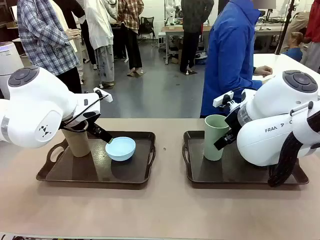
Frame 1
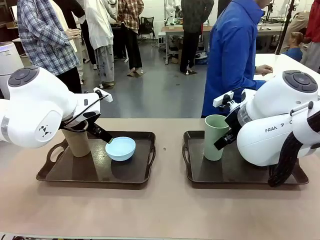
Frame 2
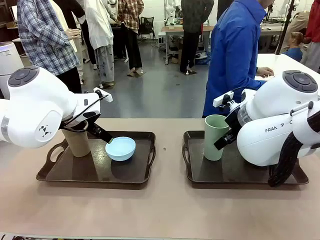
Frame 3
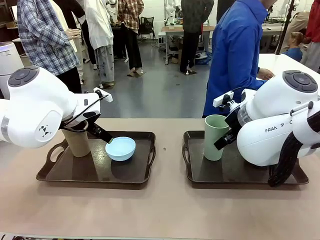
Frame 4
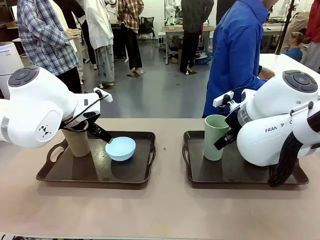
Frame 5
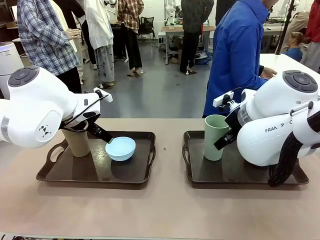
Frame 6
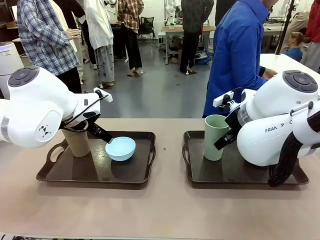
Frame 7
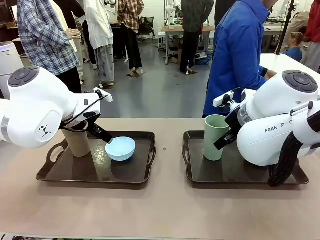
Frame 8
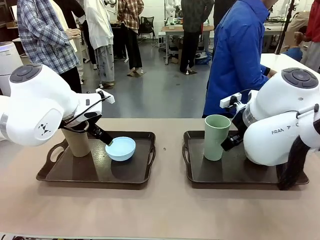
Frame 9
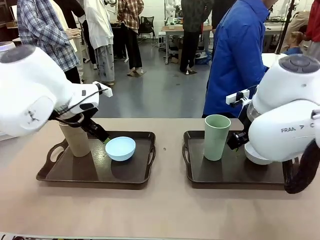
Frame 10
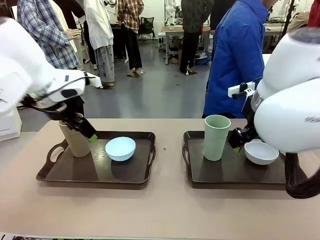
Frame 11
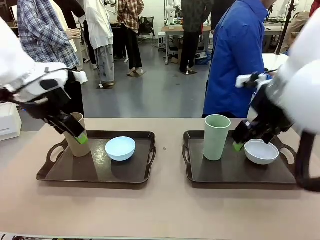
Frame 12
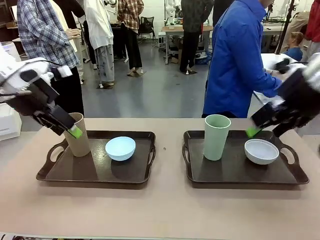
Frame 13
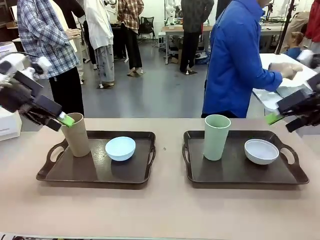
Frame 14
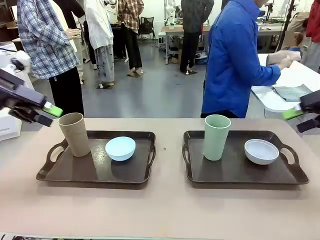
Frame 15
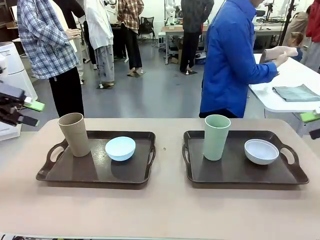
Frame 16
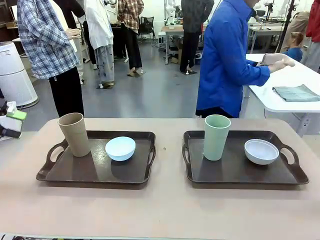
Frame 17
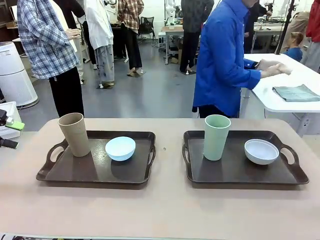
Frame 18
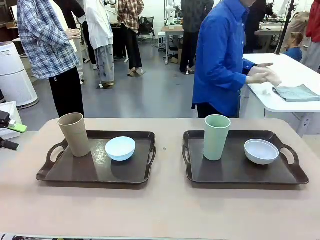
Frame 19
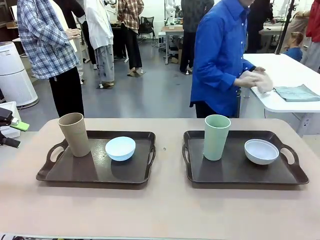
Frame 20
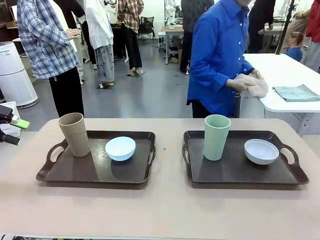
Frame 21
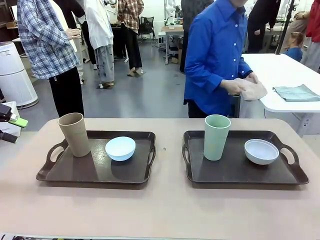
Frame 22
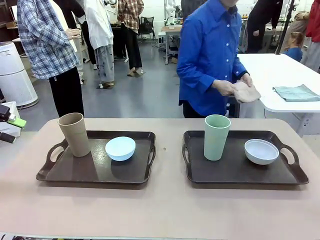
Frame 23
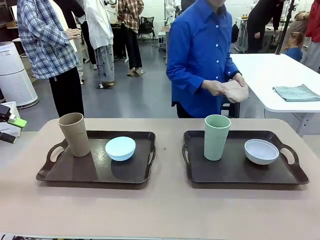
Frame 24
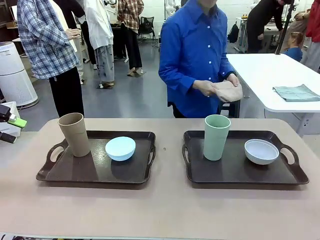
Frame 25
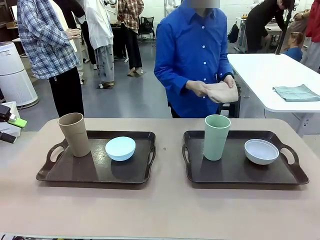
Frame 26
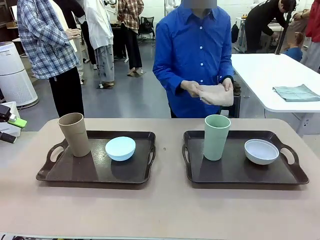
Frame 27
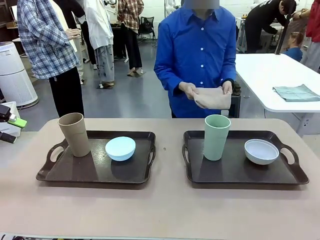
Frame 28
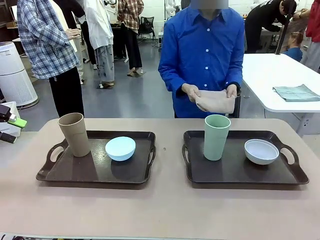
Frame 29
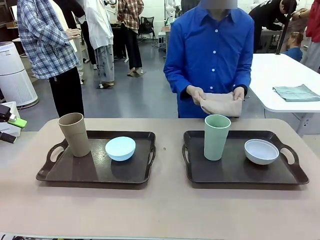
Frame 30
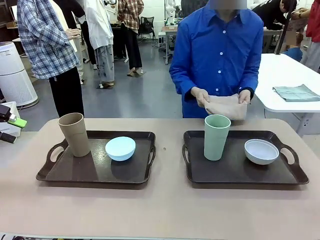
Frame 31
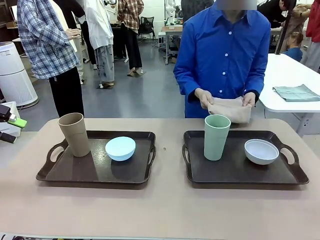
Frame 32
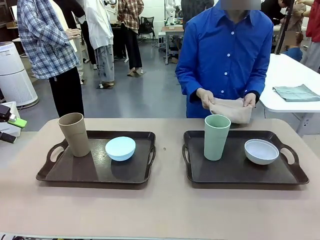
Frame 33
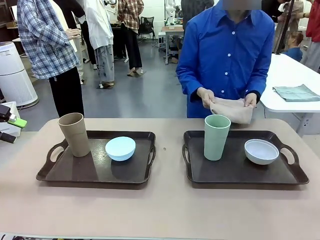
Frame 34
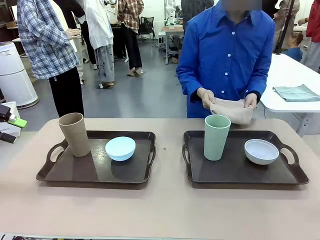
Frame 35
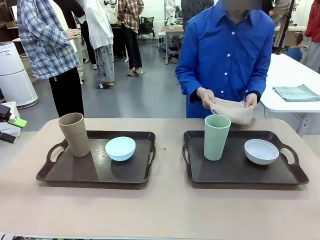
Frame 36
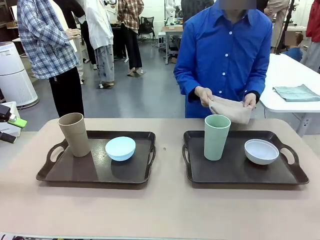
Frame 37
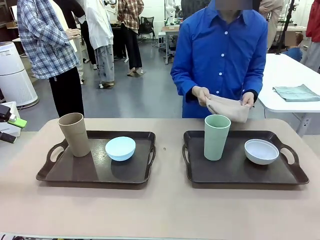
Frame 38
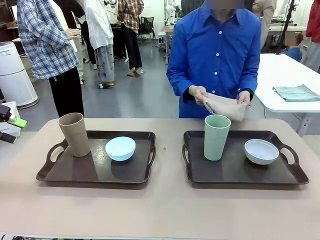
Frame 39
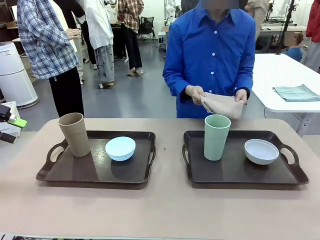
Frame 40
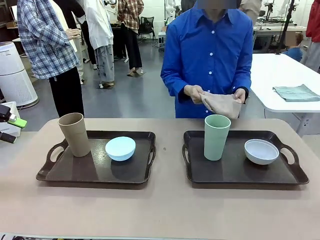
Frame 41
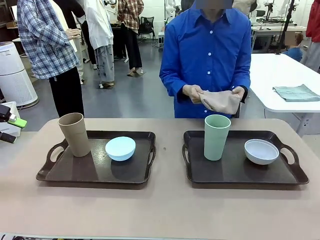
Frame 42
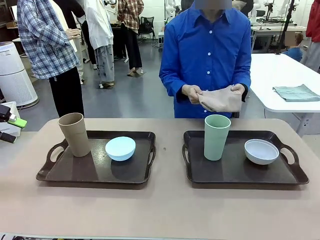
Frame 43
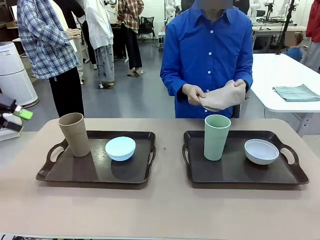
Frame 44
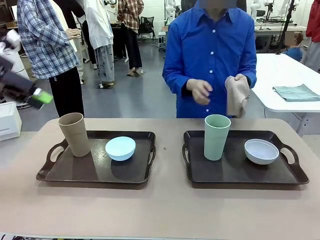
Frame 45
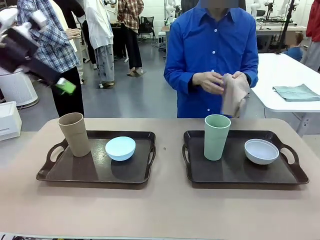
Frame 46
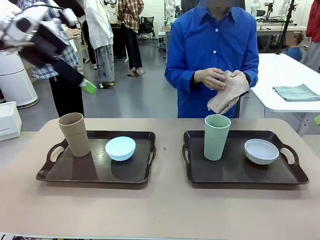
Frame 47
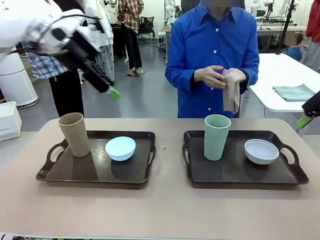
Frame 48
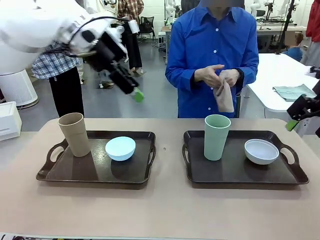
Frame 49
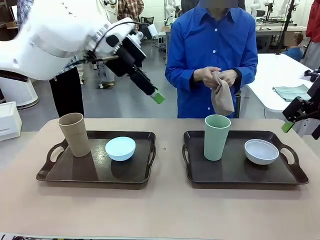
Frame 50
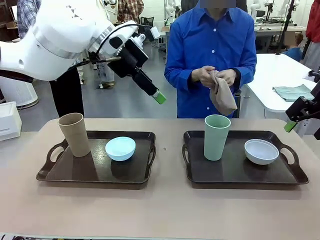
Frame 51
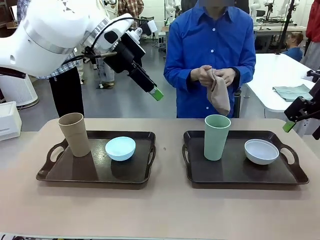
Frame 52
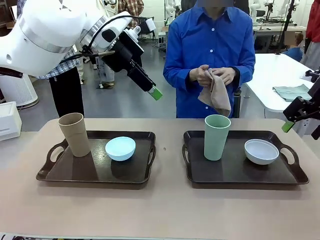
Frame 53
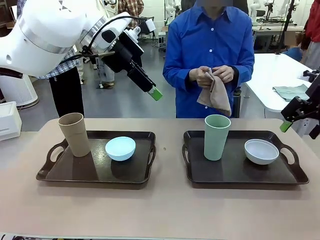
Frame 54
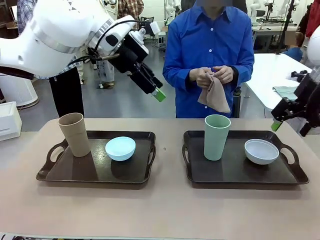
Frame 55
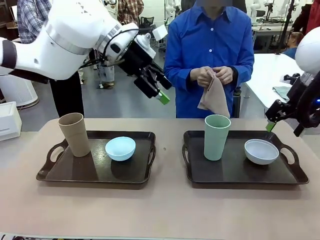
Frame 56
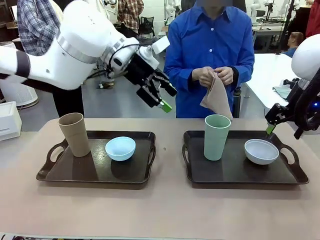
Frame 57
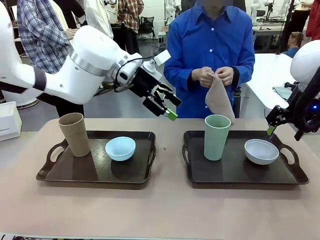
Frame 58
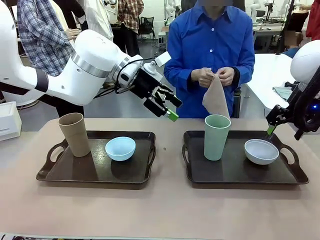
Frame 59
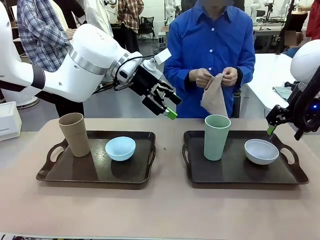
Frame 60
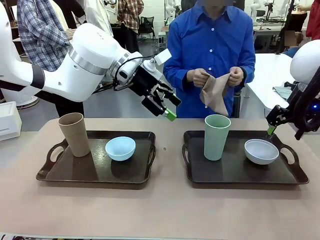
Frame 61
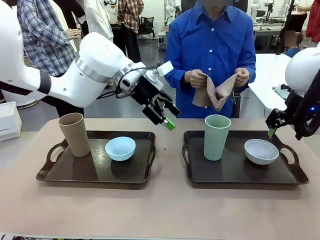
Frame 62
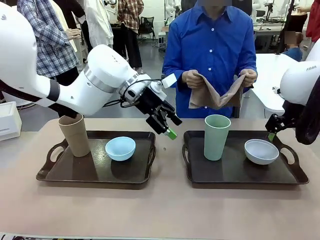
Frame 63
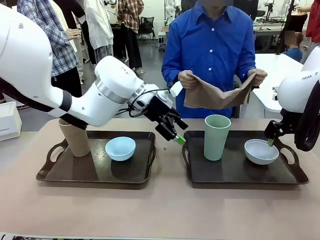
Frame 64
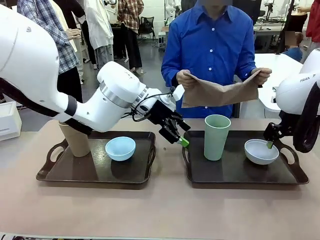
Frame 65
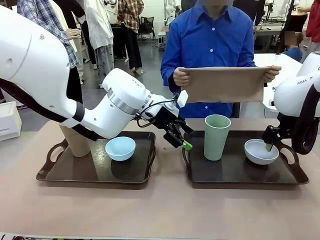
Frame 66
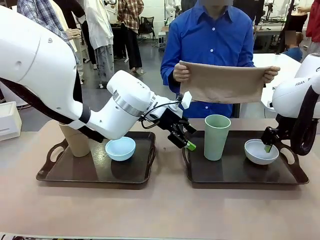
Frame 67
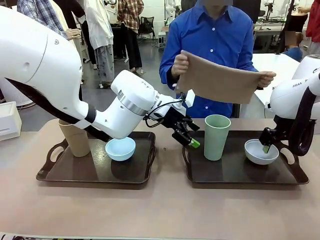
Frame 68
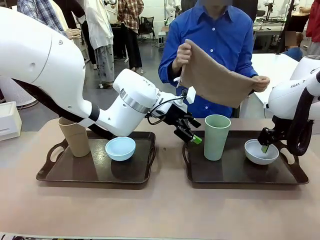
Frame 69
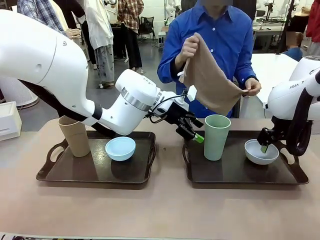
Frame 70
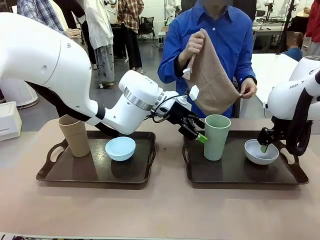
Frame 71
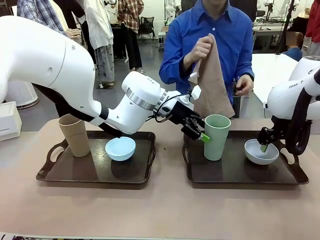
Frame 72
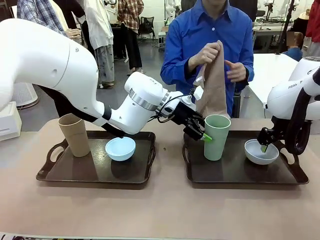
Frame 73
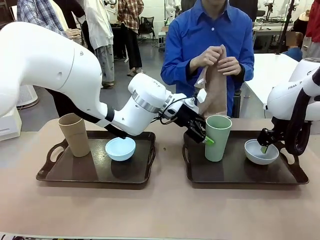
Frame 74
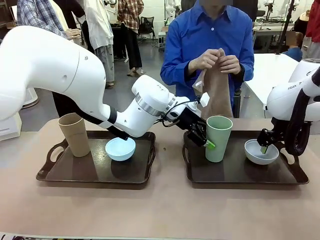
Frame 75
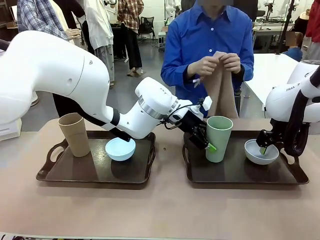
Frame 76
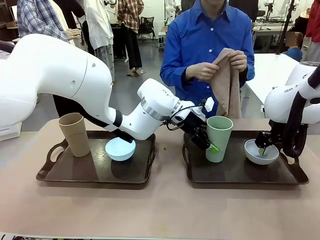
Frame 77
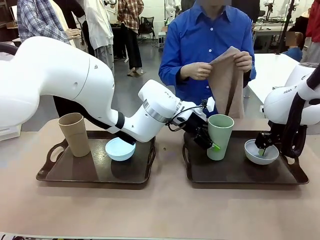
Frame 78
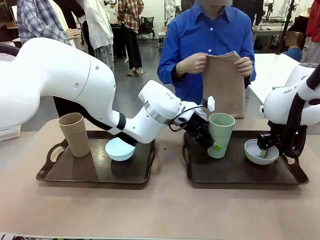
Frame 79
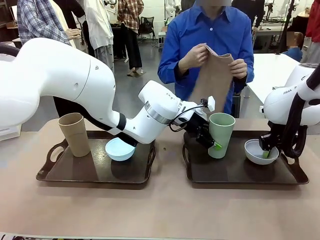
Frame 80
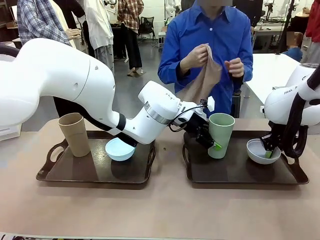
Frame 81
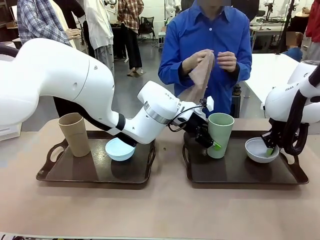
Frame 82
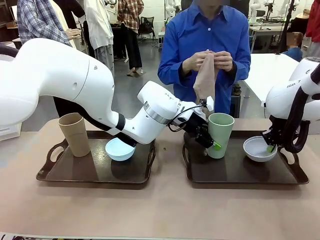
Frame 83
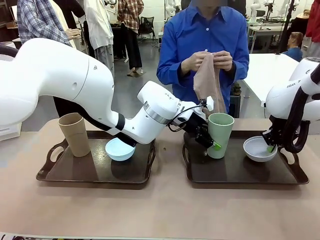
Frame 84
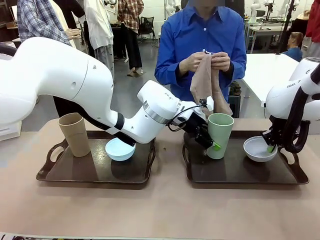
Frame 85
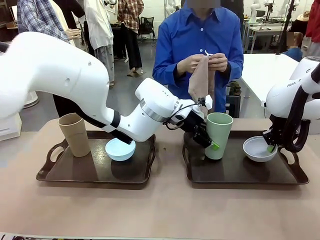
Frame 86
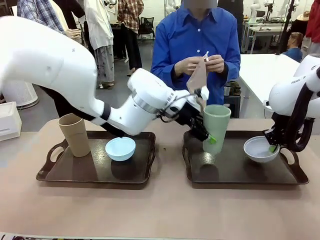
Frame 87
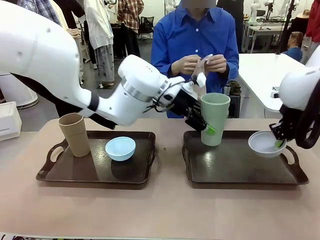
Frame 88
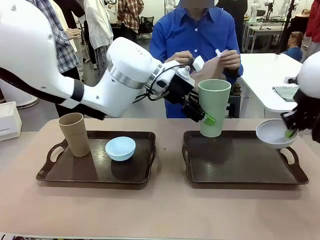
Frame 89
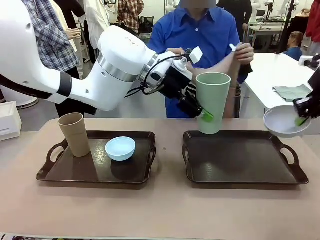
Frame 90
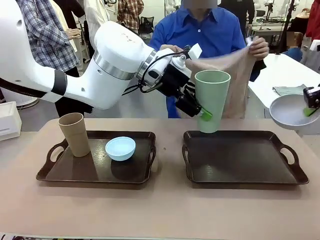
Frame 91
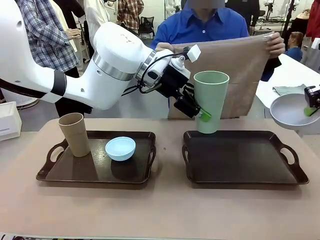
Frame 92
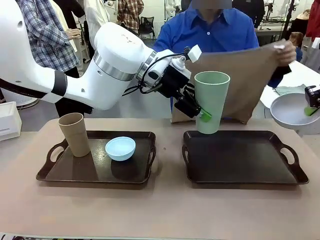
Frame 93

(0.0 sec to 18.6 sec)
Robot: Pick up the Picnic Bowl and Reusable plastic cup from the Handle tray in front of the human's position and hold them in the air.
Person: The human picks up the top napkin from the stack on the human table and walks to the robot table to stand in front of one of the two trays. When the robot lifts the bowl and the cup, the human unfolds the napkin and lays the napkin flat on the tray.
